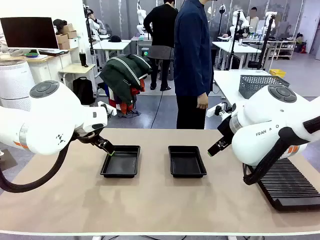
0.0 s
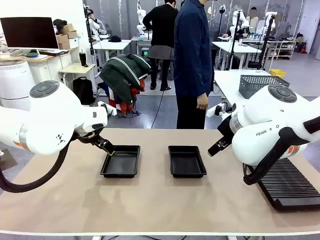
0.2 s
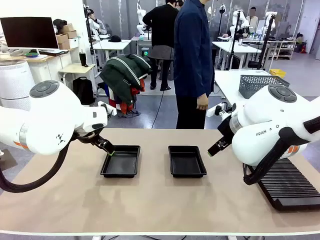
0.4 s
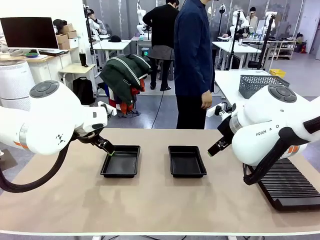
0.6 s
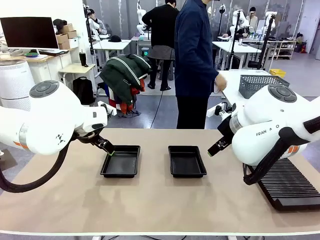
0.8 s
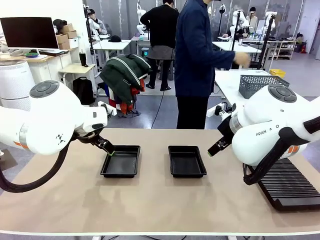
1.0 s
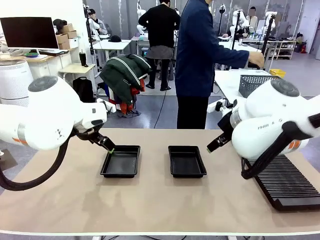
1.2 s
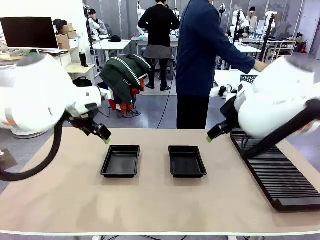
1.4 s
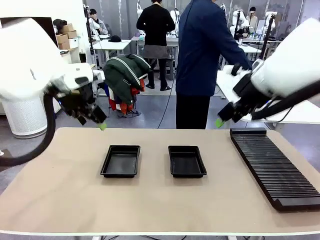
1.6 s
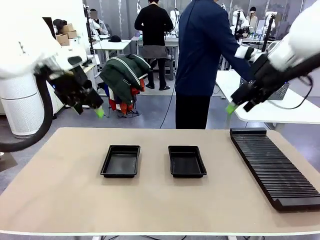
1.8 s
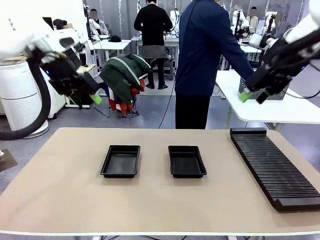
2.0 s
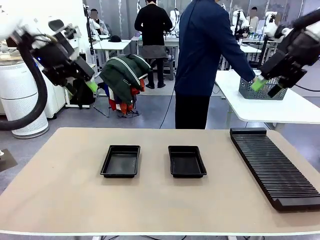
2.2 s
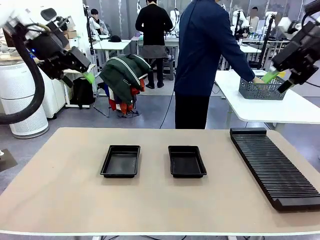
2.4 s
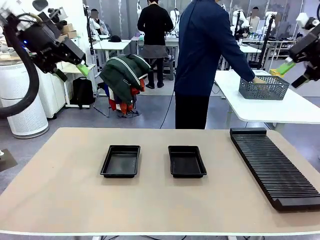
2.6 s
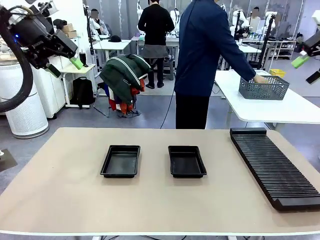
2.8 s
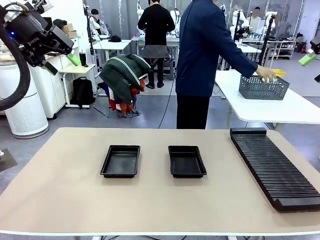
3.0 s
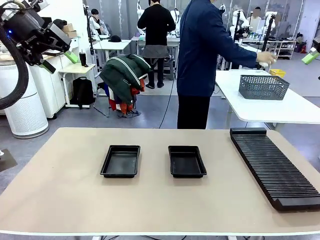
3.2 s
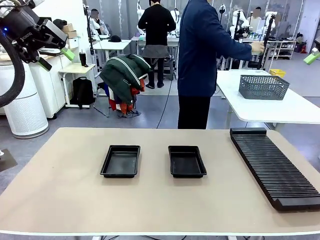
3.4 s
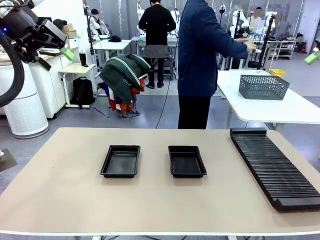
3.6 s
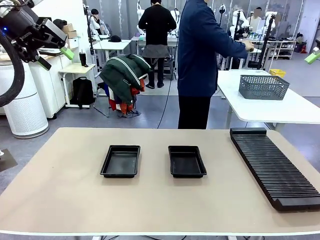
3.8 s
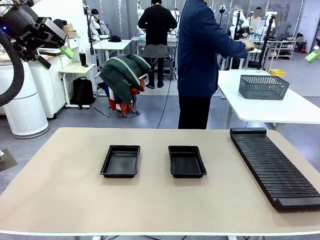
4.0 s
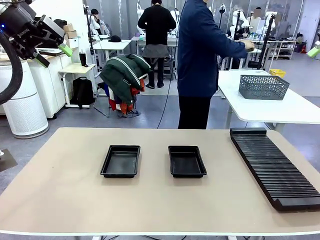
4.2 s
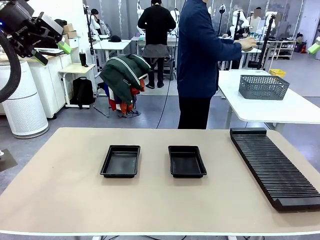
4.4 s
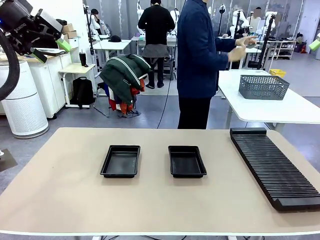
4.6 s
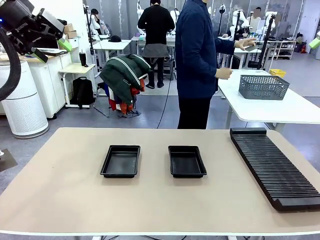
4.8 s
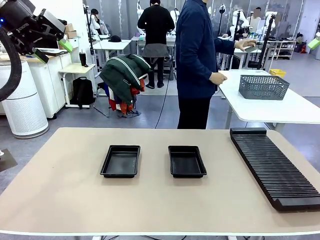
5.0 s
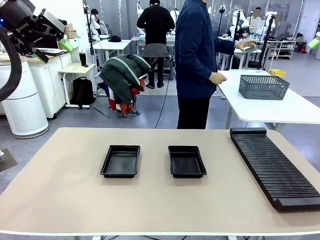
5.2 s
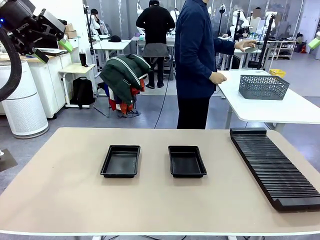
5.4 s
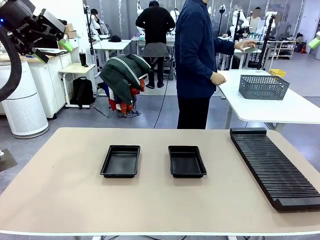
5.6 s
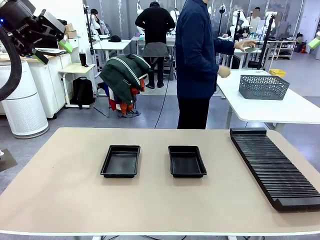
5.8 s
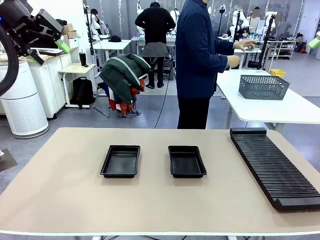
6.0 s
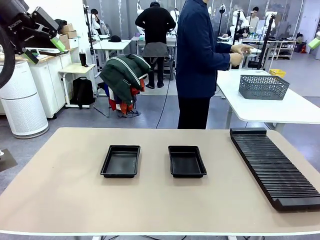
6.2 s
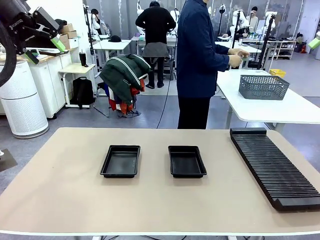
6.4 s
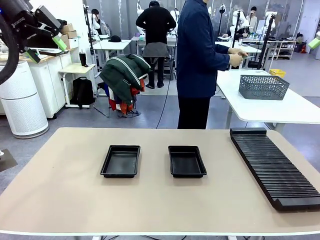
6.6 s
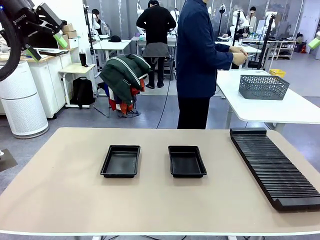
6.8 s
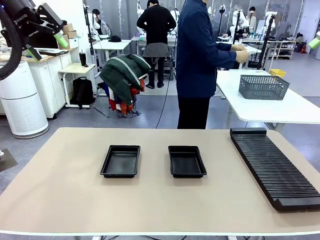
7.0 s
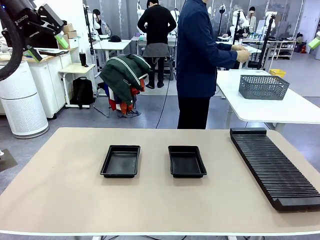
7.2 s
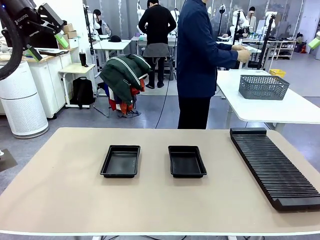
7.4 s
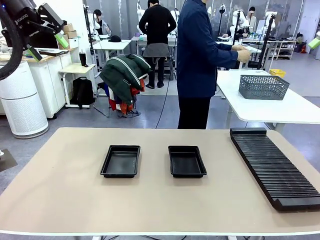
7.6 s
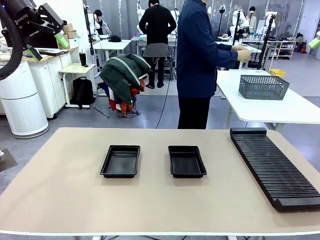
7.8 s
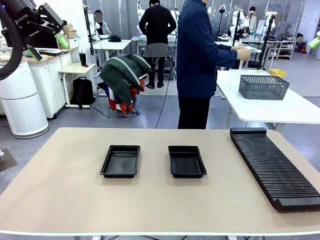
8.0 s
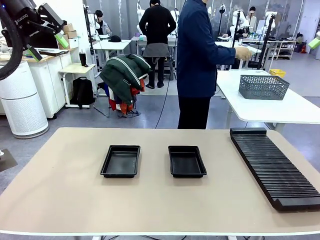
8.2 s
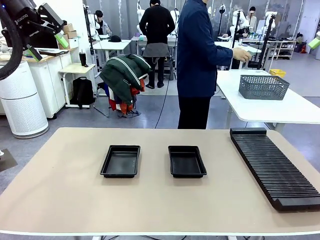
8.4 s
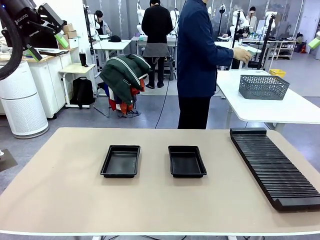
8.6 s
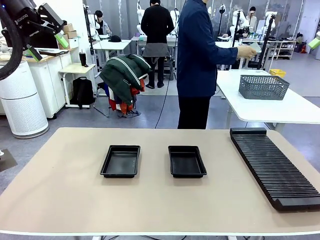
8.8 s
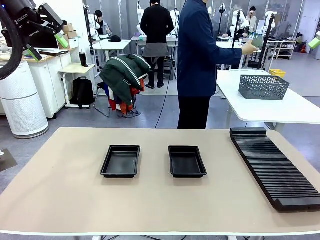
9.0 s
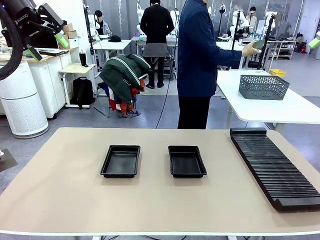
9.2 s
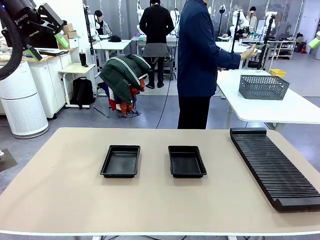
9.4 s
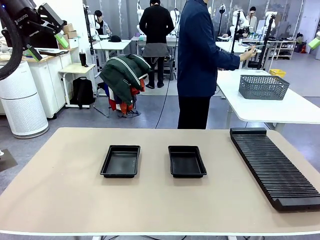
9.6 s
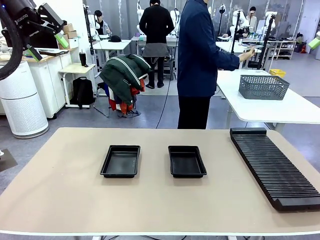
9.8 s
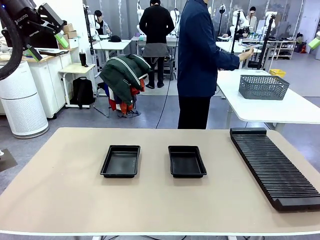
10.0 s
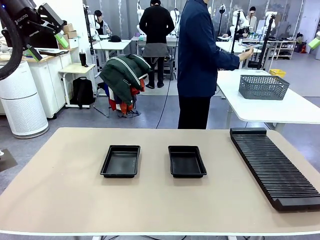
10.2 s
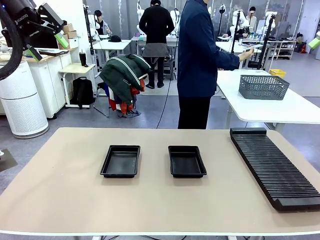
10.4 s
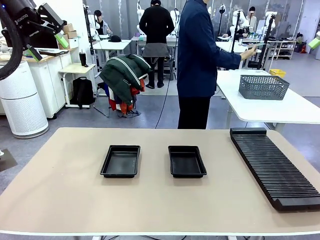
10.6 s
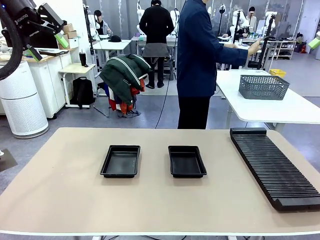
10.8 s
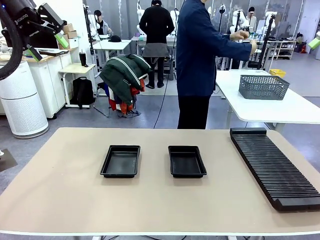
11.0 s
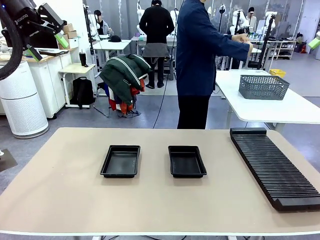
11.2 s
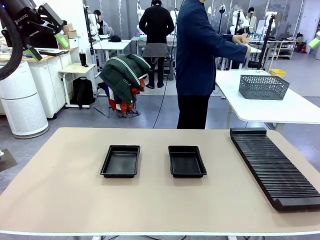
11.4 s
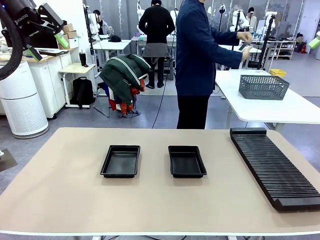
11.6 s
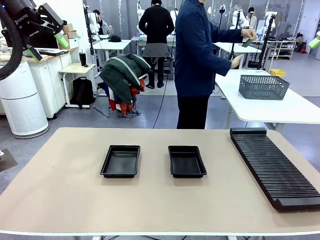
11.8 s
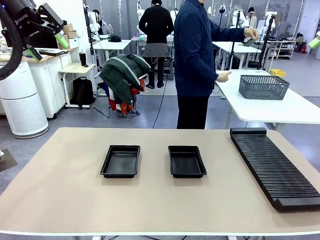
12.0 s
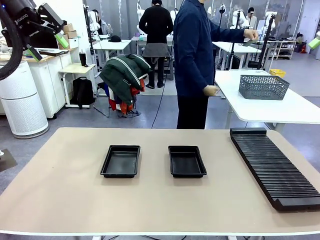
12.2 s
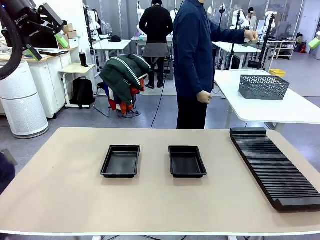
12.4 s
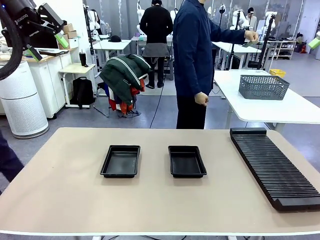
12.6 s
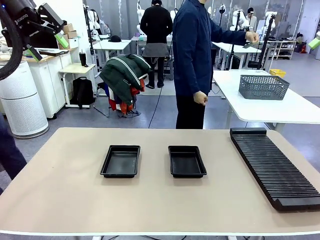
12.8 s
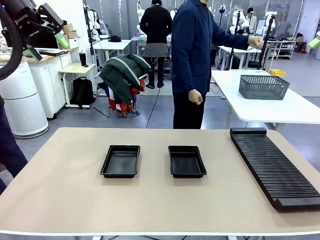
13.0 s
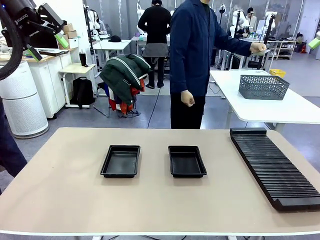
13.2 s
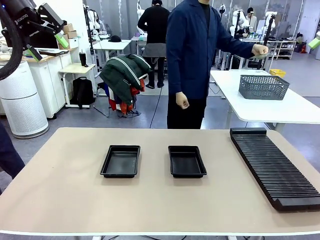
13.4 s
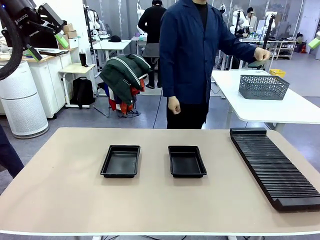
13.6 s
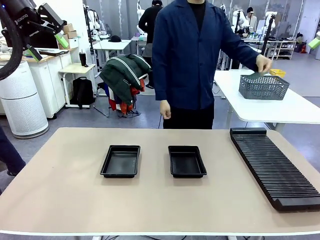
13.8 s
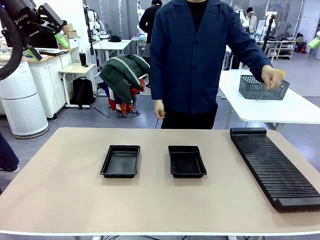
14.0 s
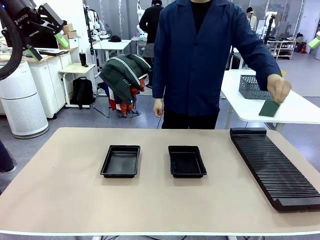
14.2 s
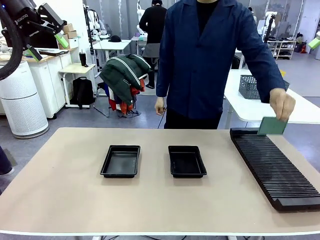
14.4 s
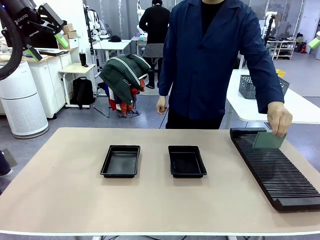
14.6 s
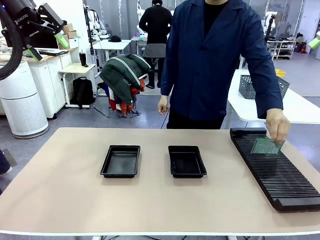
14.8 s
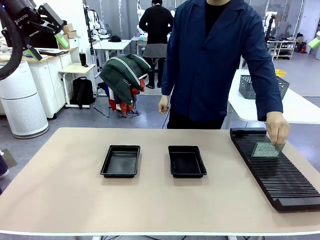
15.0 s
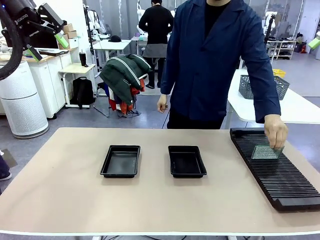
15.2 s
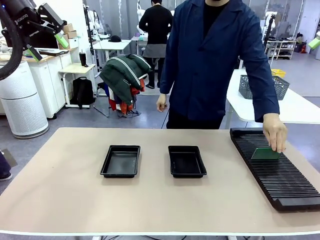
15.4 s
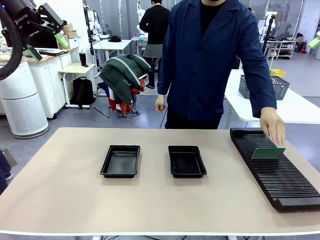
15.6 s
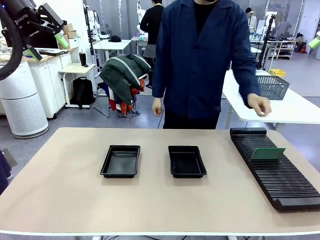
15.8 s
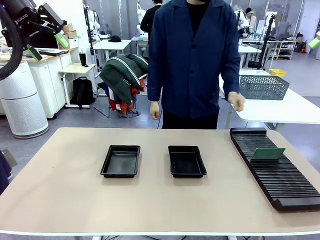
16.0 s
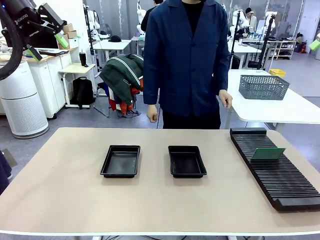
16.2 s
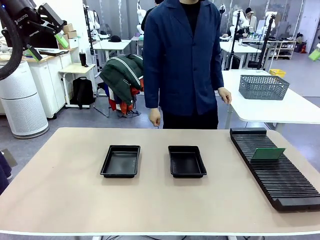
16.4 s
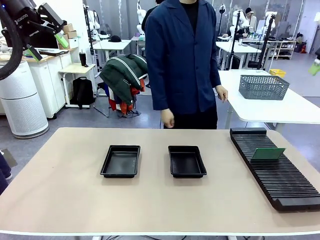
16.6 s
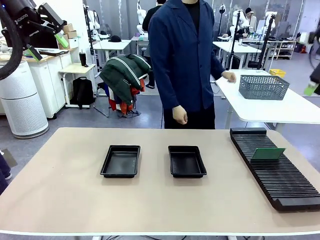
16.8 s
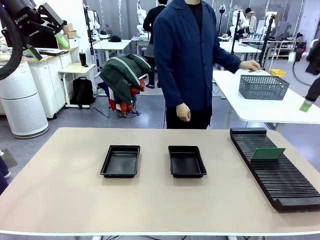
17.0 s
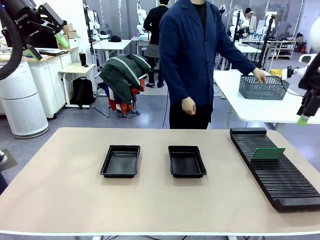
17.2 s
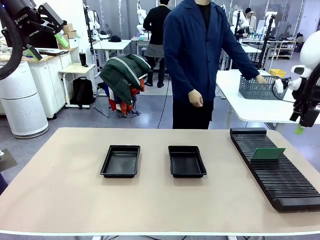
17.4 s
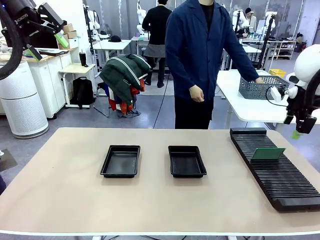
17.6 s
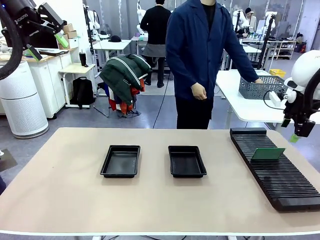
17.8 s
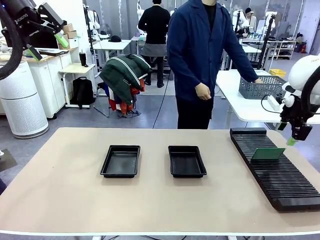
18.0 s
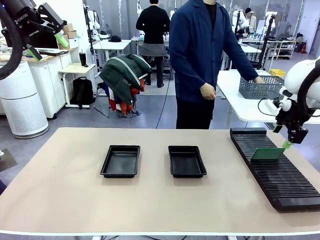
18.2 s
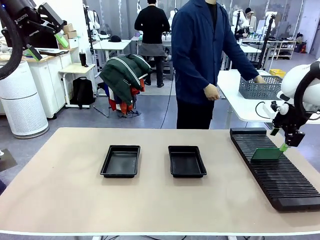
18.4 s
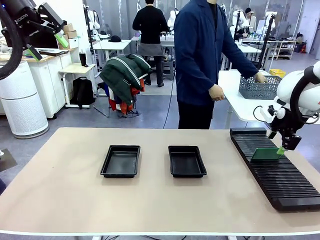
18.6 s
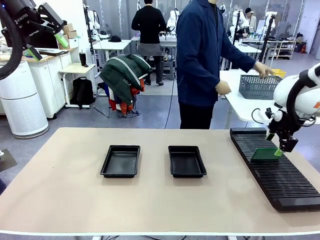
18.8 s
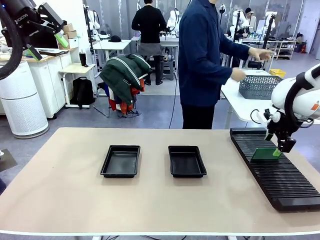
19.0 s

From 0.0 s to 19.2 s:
Task: Inspect and transfer BCBs to ESD trays.
Robot: Pick up the Blank PCB from the PCB Rack and place it in the left ESD tray.
